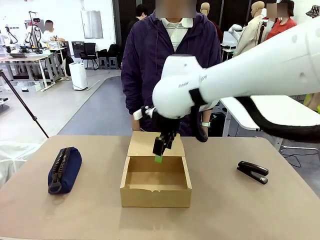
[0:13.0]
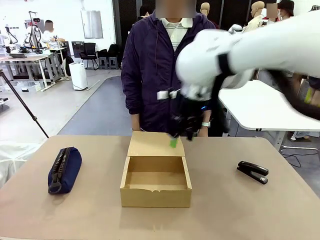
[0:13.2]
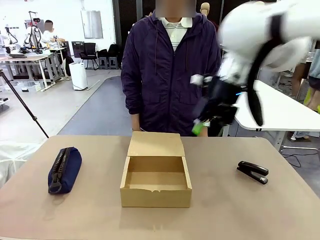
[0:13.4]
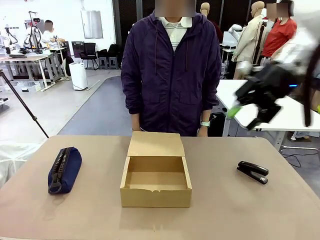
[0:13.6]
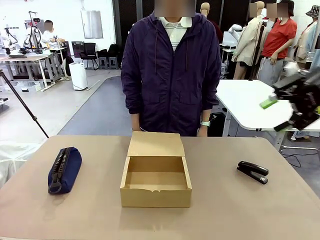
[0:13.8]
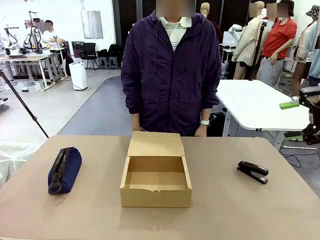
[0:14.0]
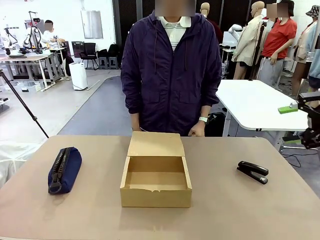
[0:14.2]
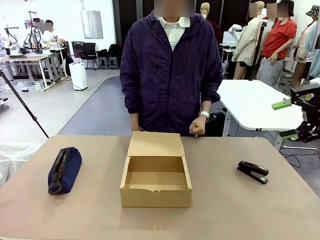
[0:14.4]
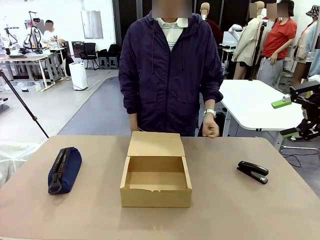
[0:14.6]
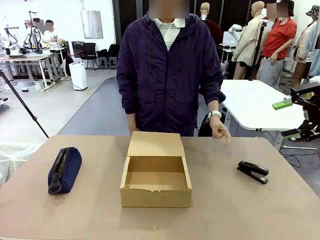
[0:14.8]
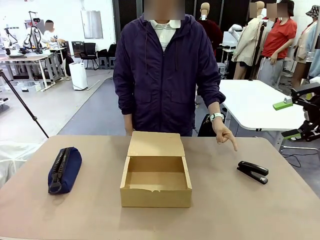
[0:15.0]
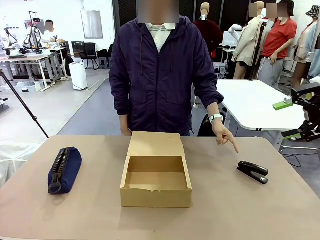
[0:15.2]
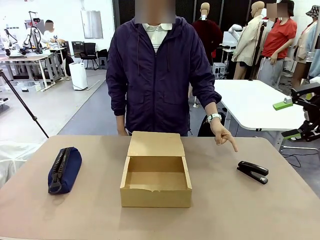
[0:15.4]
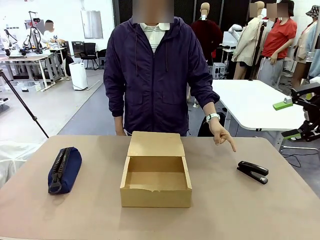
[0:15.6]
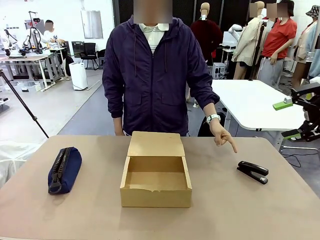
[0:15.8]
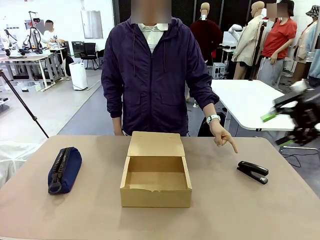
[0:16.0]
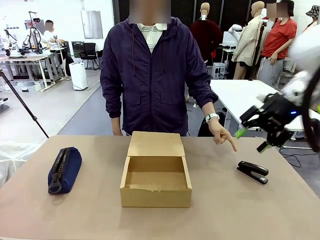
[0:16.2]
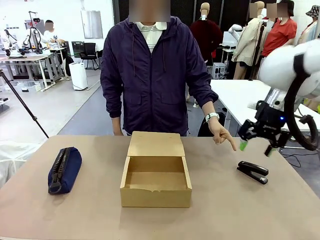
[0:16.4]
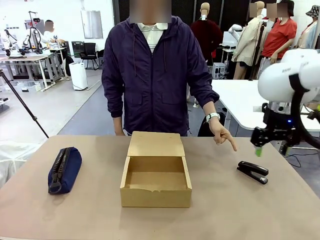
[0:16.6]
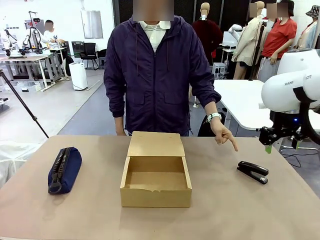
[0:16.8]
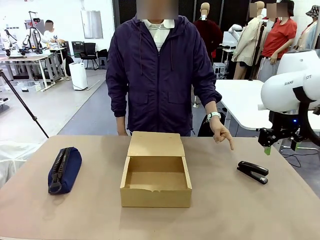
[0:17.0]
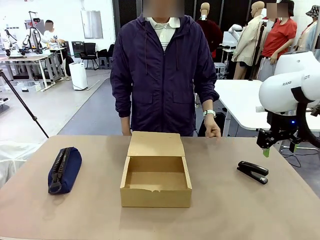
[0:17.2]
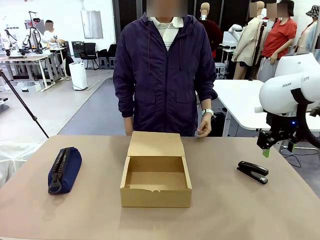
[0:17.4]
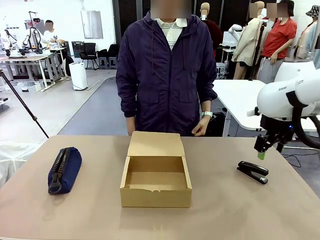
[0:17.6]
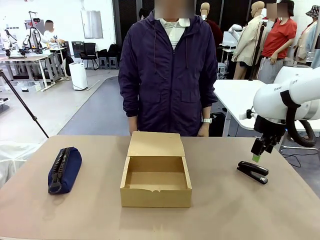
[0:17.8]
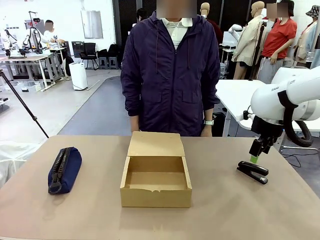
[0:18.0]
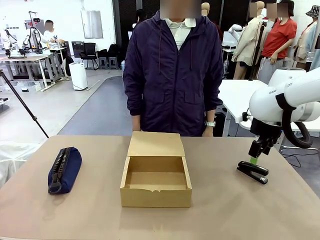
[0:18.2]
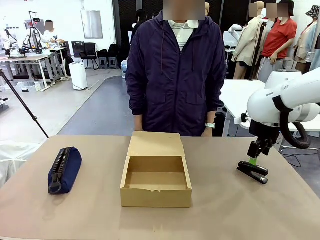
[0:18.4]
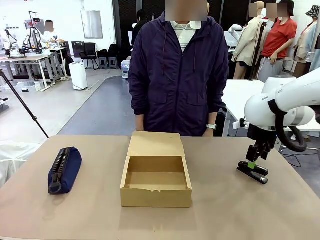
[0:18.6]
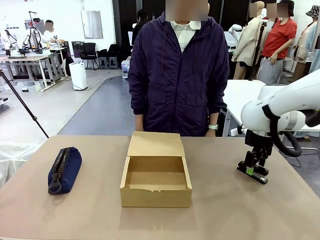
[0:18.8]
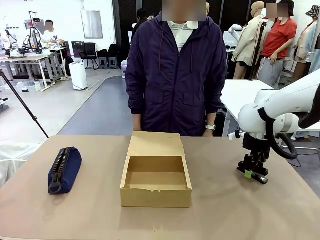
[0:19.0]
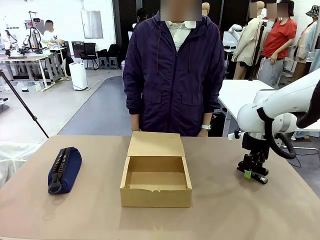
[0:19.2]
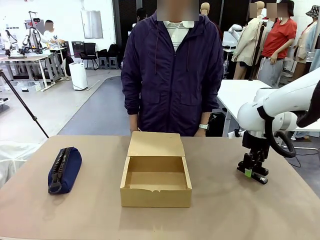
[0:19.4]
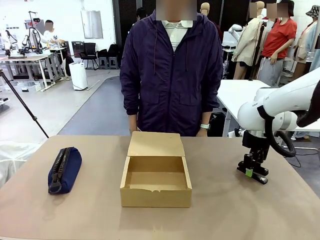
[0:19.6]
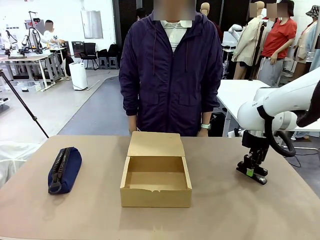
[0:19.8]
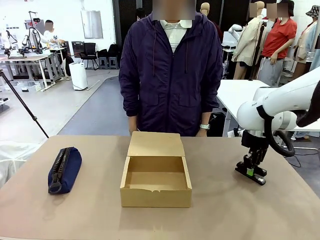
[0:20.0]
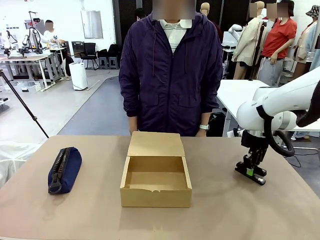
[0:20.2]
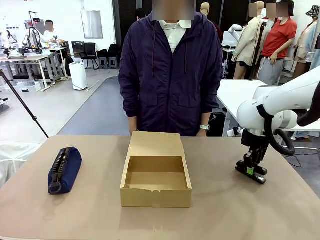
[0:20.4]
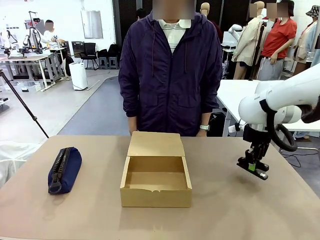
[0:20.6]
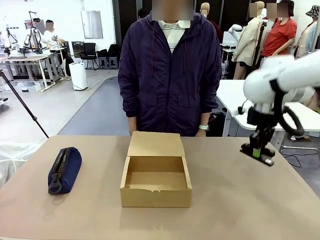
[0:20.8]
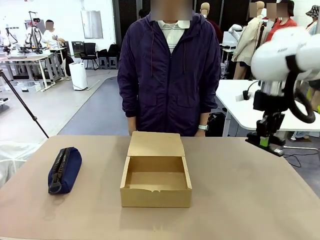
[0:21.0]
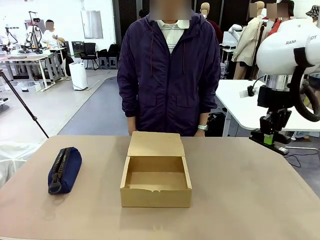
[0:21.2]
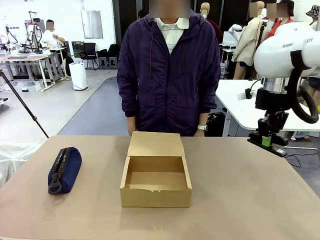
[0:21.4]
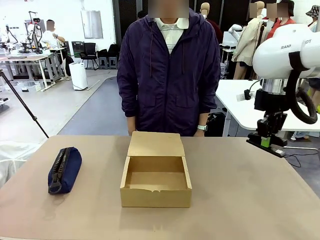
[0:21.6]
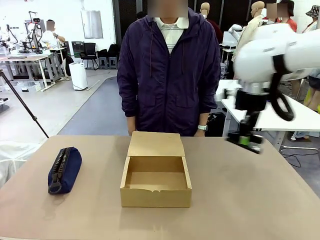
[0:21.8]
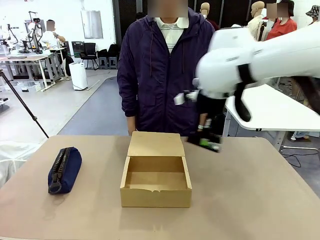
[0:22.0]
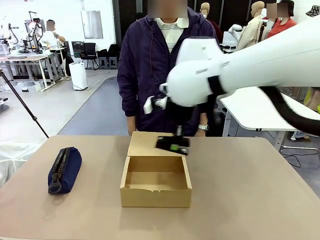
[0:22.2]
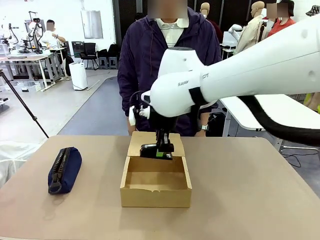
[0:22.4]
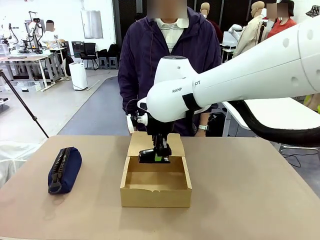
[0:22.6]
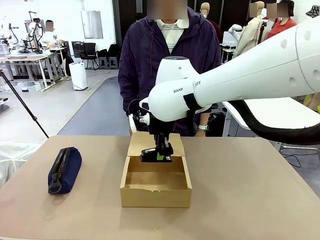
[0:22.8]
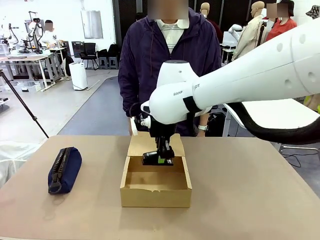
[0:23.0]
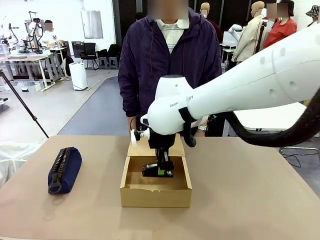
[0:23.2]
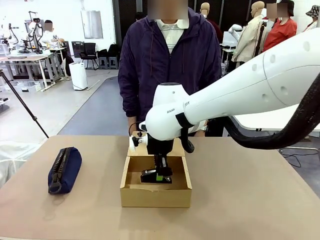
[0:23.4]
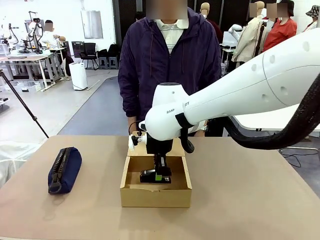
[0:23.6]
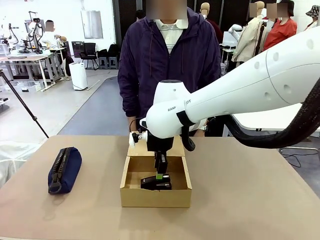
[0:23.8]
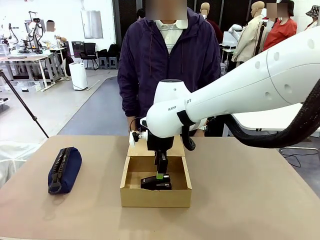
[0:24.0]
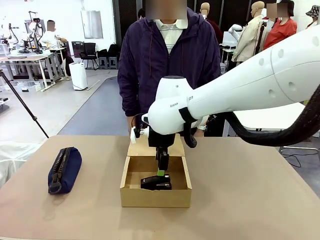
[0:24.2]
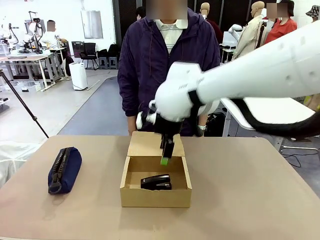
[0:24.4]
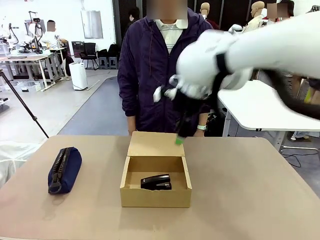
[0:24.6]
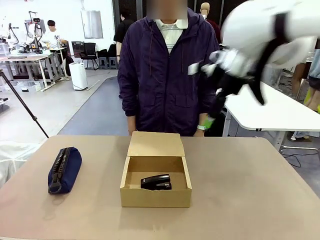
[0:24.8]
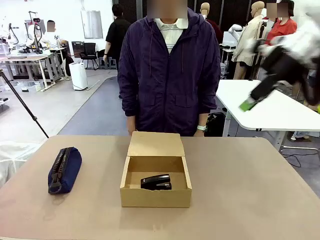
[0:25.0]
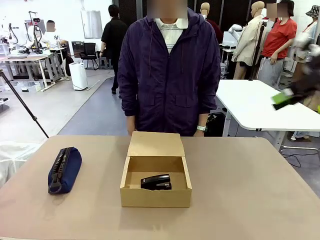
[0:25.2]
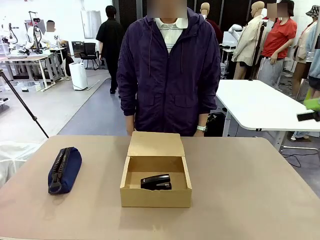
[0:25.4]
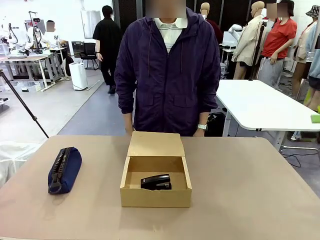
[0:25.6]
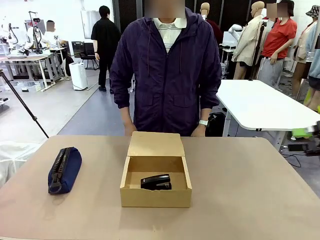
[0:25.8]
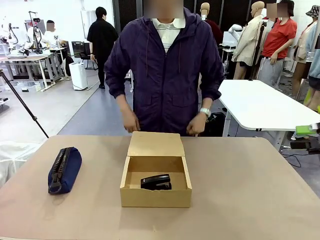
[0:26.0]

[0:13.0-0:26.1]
Task: Pack the items into the box.
Robot: Pick up the item specified by the human and place it in the Mailer Box.
Person: Lower both hands vertically with palms facing downward, as if pressing something closed.

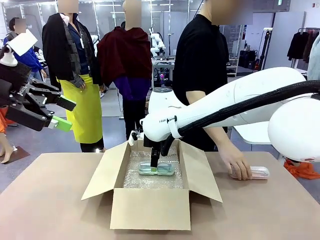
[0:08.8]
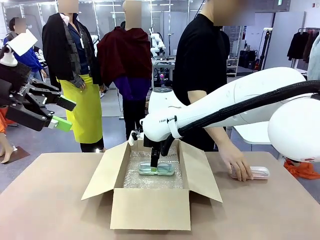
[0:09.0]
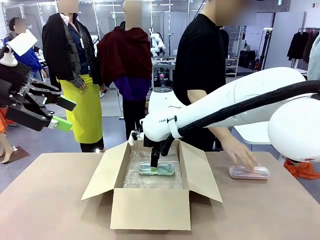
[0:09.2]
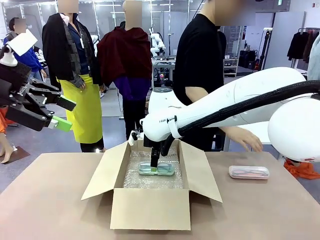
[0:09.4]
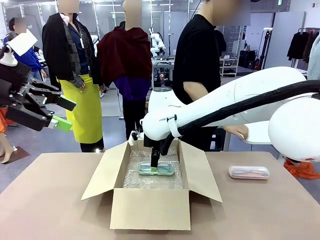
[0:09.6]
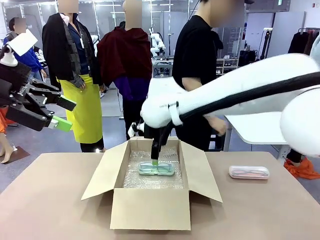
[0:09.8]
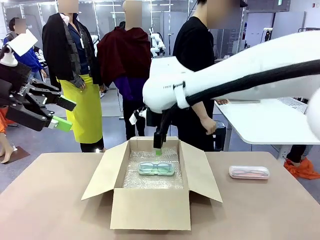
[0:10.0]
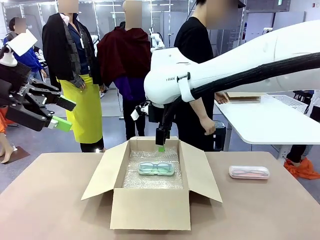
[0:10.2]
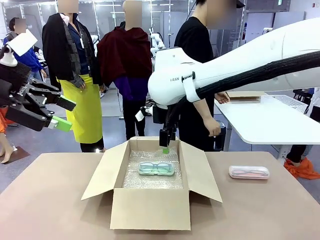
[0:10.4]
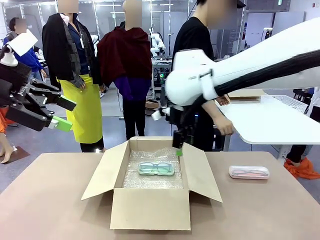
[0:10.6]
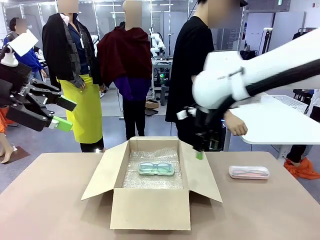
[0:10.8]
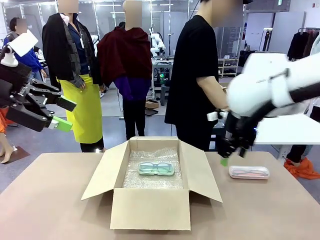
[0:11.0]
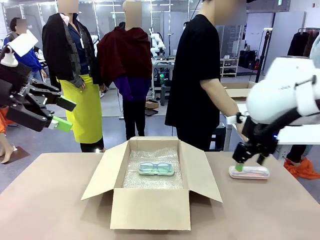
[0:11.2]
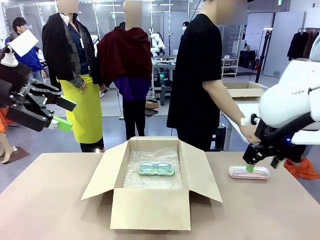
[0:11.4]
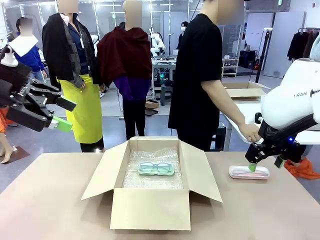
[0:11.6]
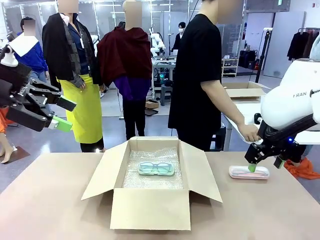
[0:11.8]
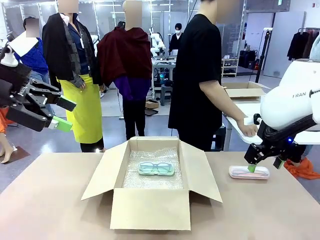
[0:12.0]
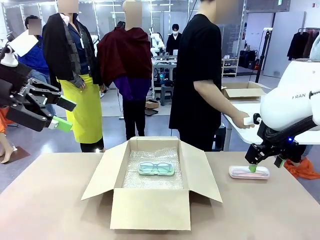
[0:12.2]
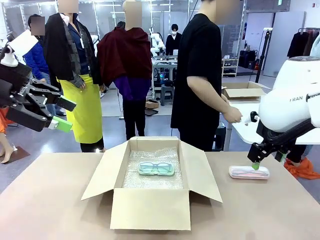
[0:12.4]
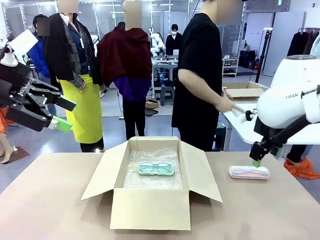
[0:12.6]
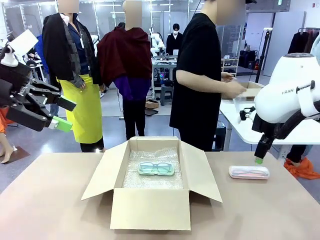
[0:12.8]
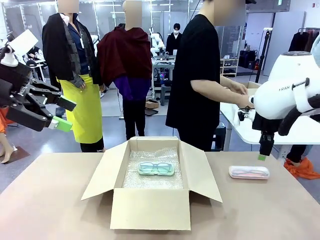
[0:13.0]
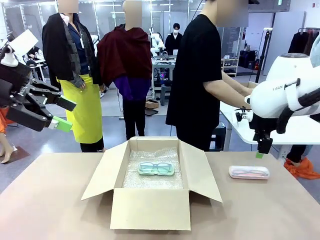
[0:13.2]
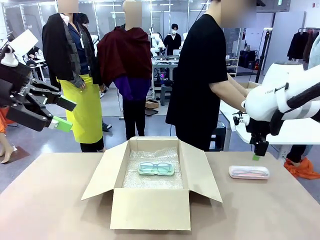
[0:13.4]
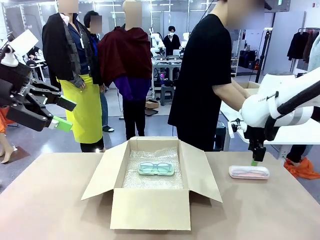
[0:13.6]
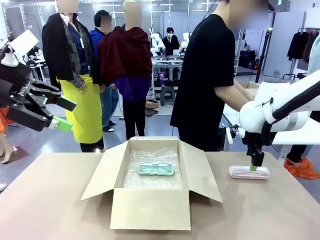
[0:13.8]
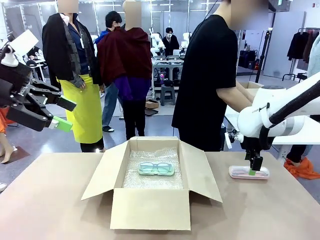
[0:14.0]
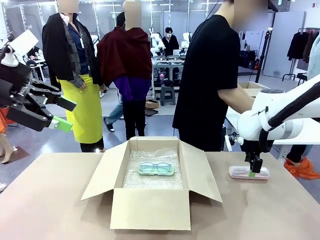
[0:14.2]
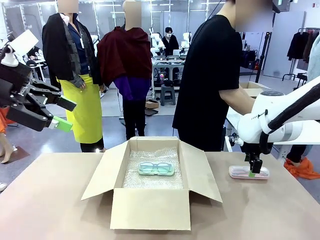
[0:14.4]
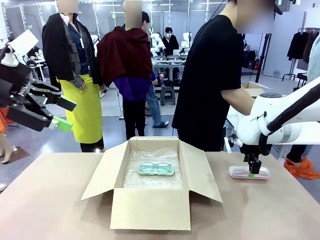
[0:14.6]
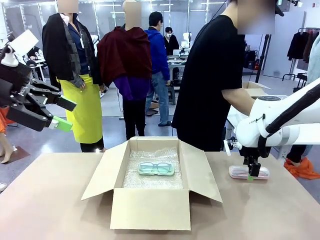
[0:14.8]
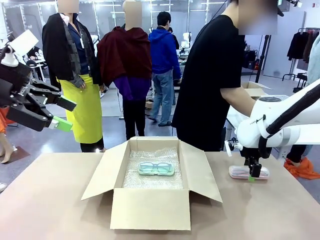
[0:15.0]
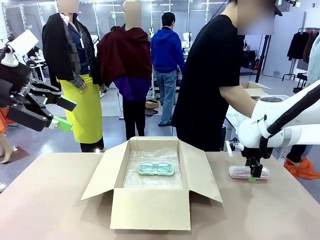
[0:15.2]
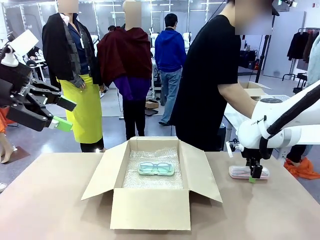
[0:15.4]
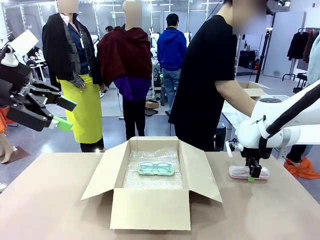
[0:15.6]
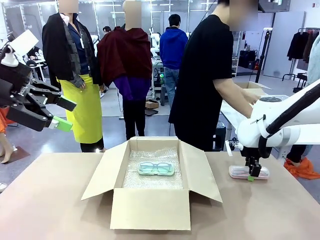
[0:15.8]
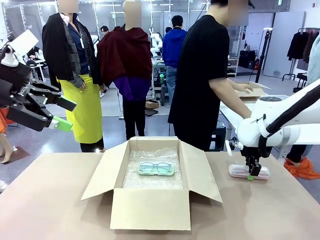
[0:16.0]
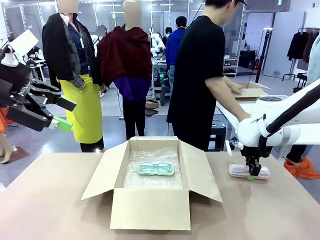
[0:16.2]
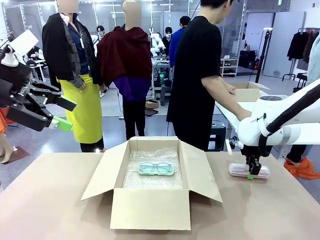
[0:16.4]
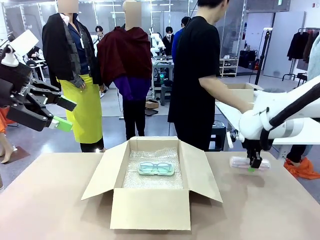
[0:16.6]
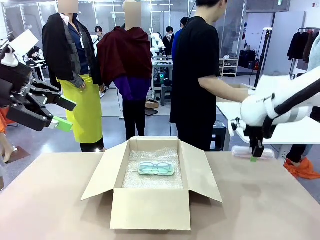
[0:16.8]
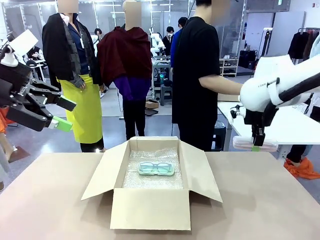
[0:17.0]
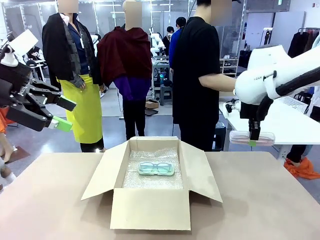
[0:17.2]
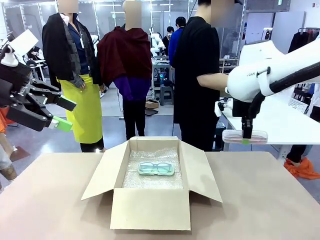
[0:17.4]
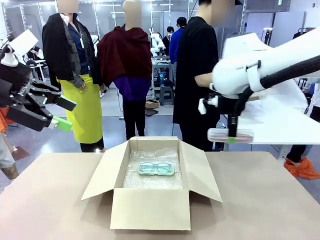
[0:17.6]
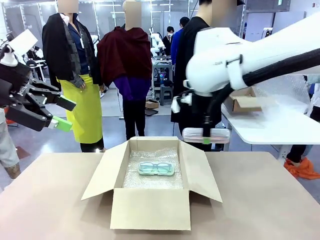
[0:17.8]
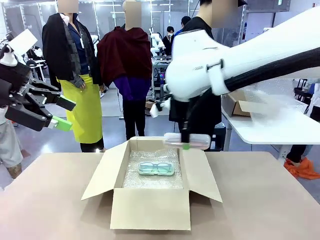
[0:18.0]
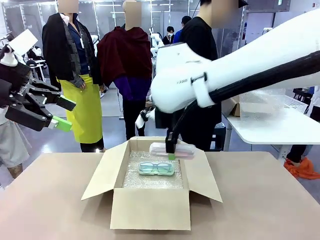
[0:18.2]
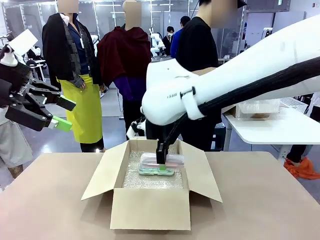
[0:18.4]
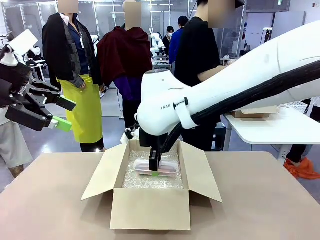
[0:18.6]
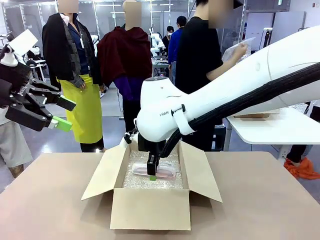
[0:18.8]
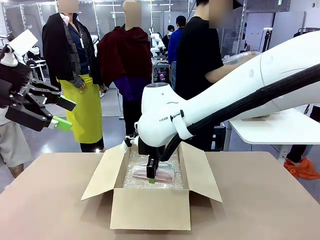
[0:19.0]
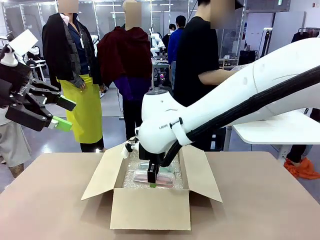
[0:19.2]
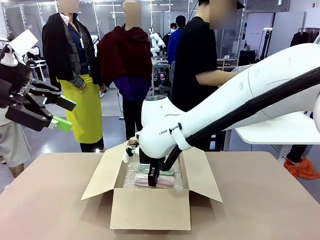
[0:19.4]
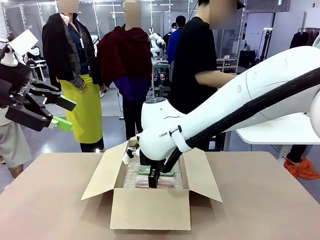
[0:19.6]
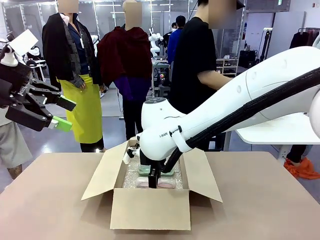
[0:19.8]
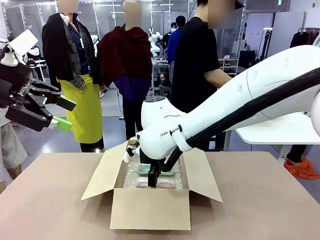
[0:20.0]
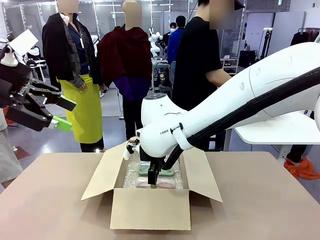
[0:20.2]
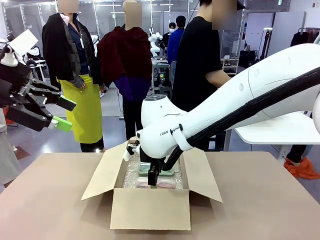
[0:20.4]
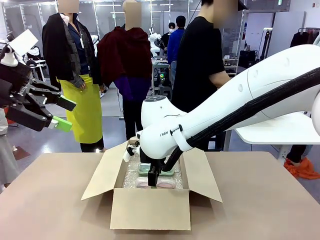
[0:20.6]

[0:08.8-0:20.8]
Task: Pack the glasses set securely to prepare it for shipping.
Robot: Put the Glasses case from the right side of the table into the Package Box.
